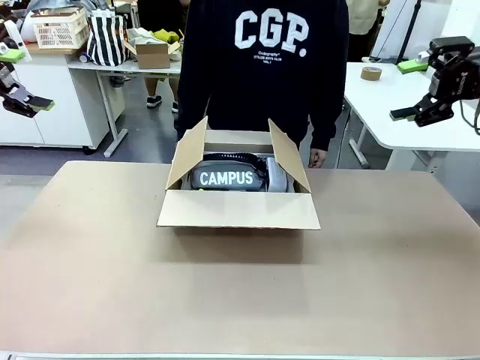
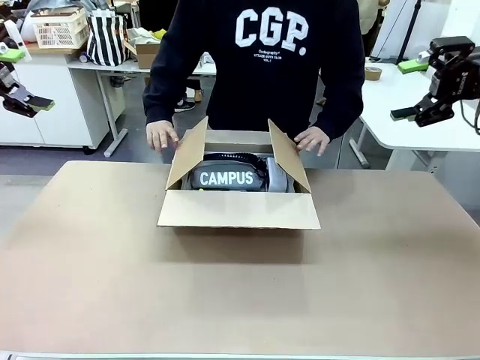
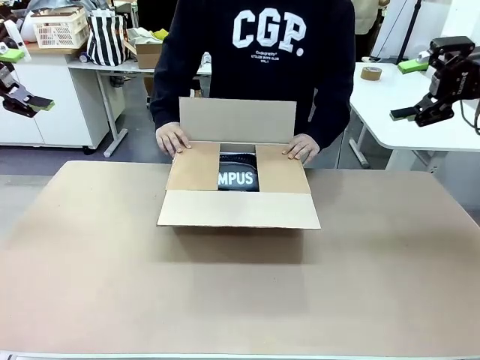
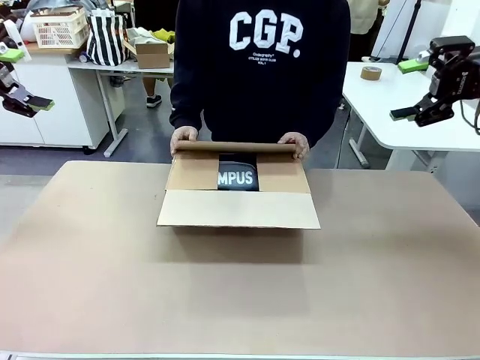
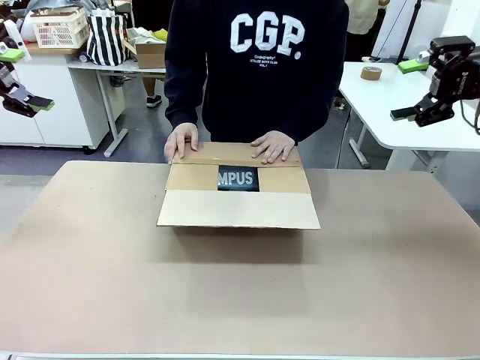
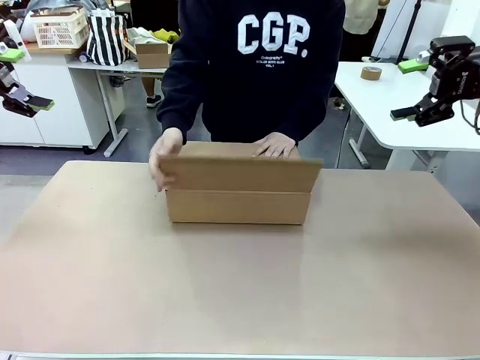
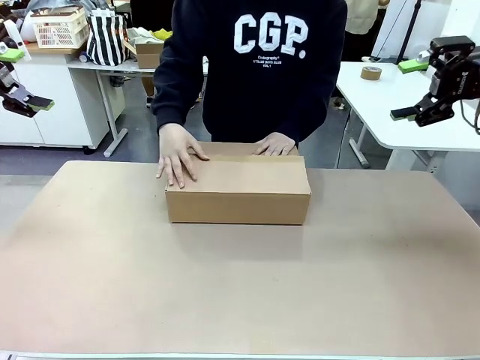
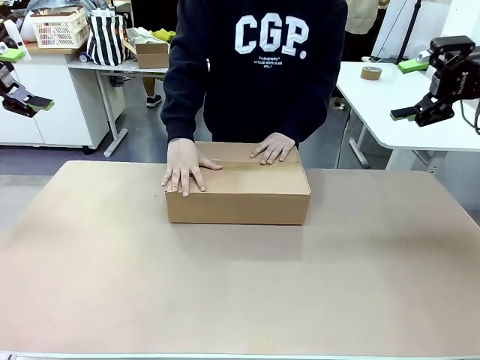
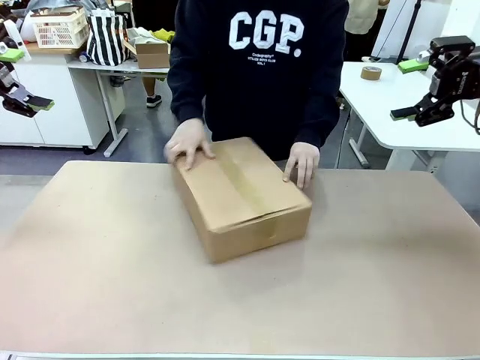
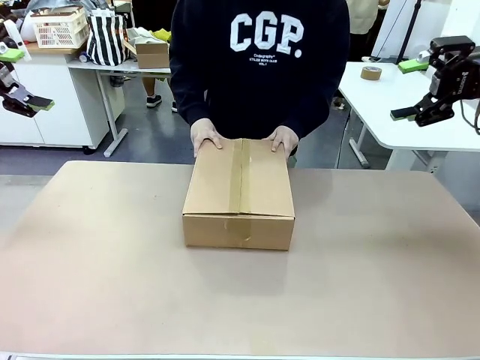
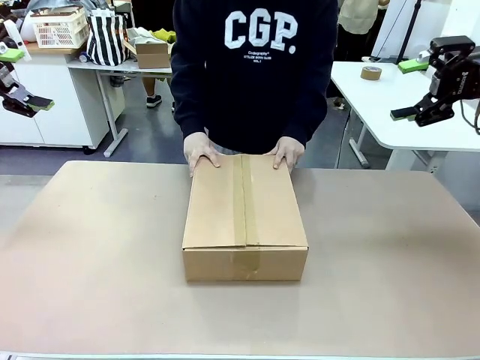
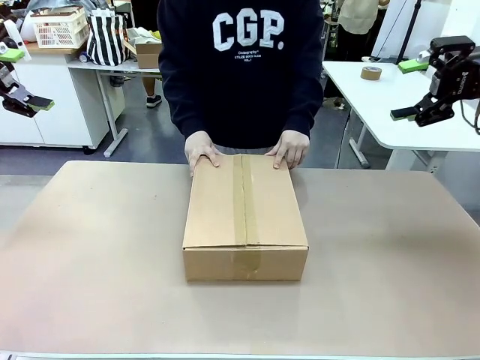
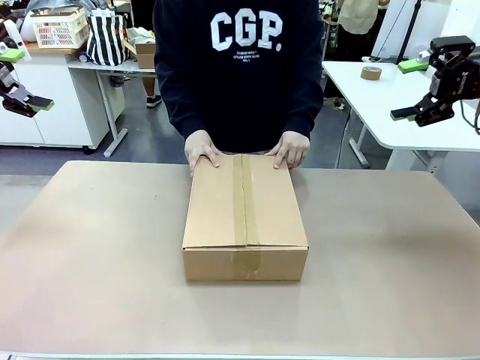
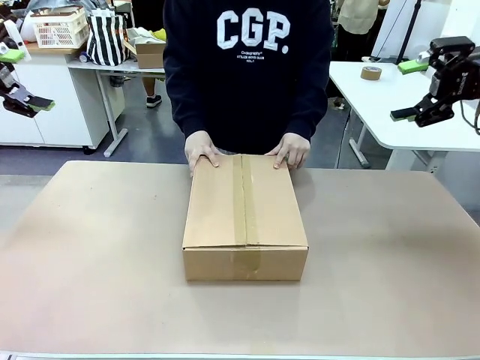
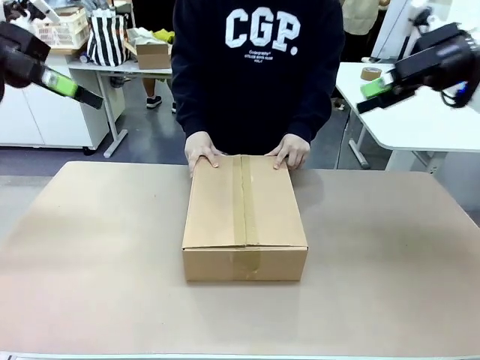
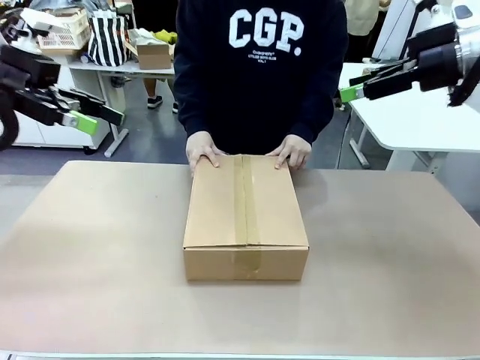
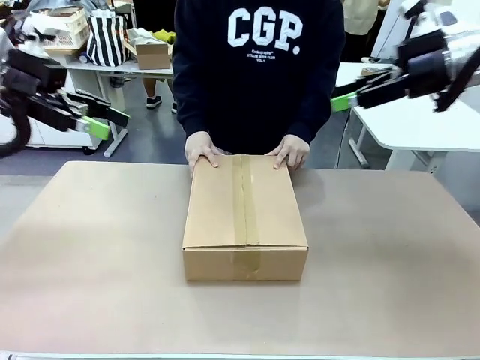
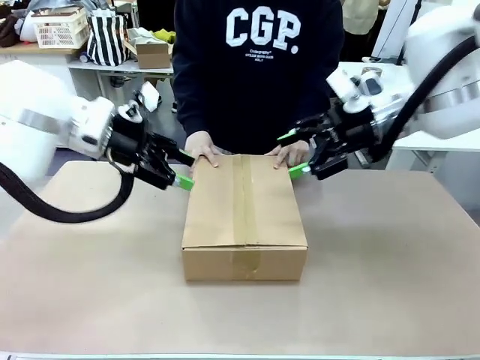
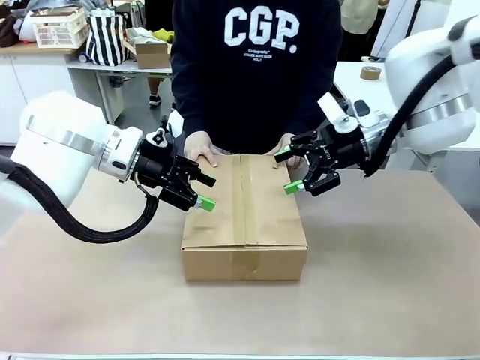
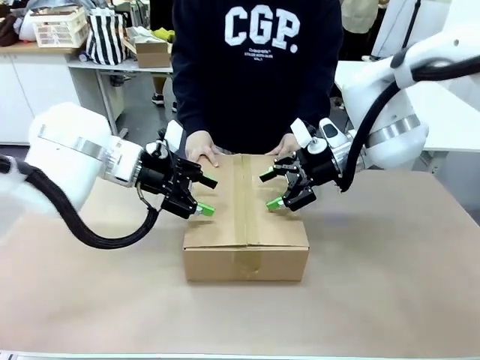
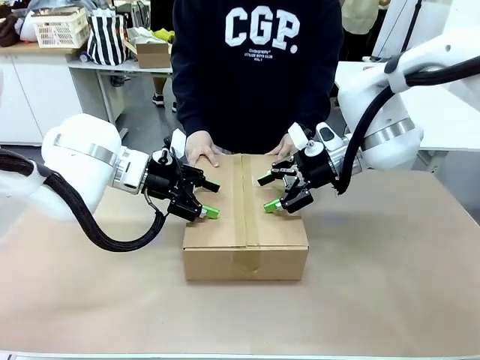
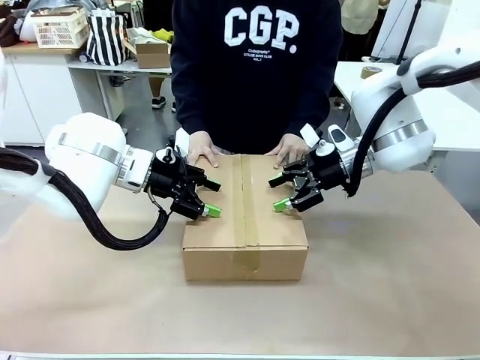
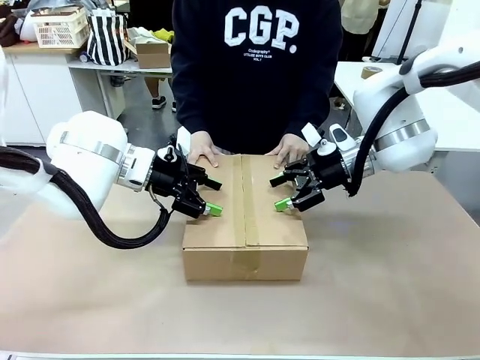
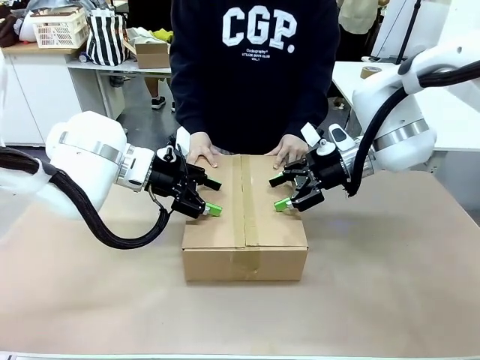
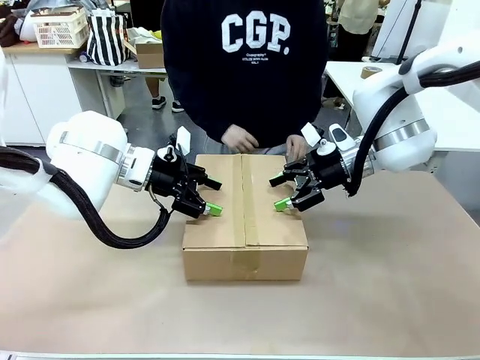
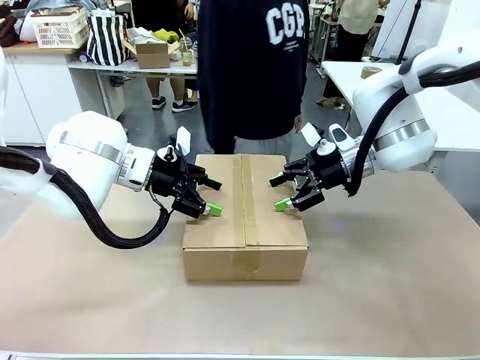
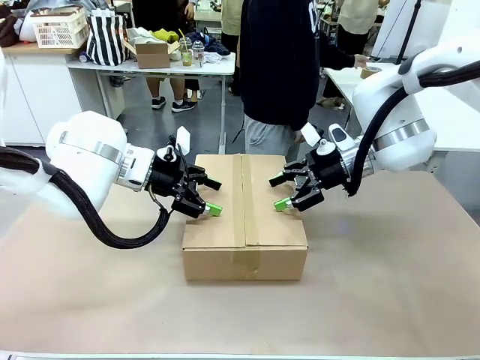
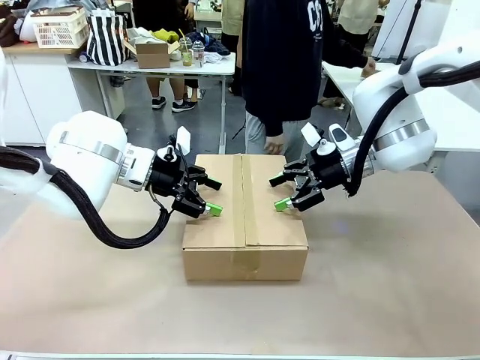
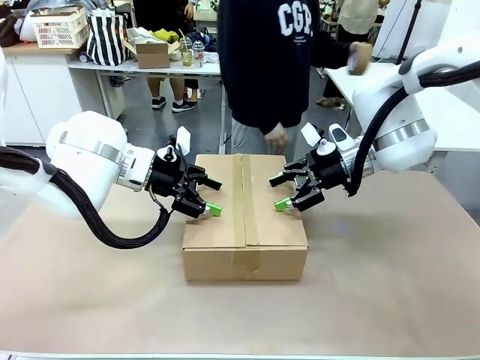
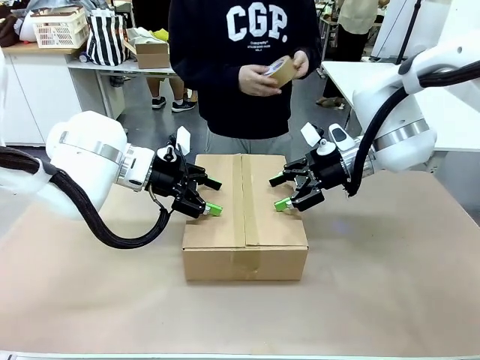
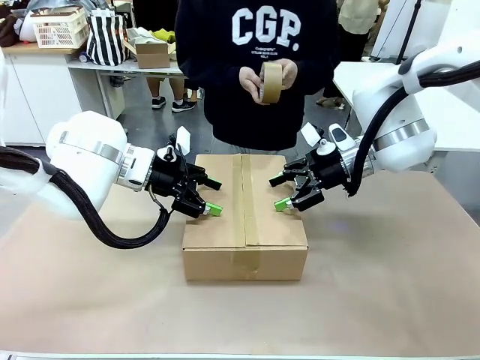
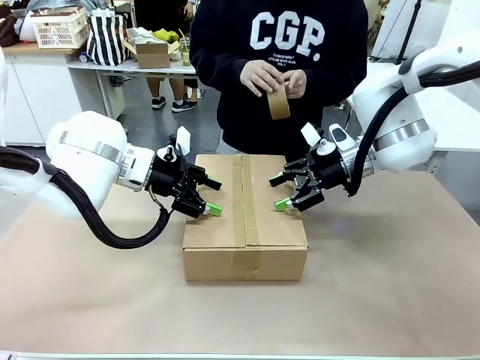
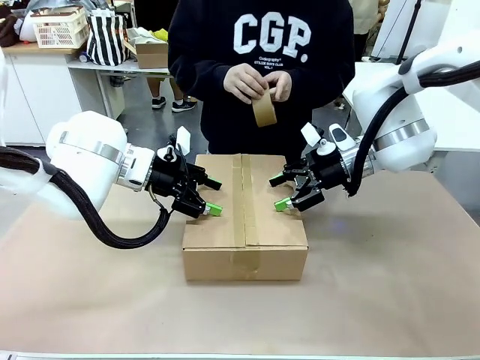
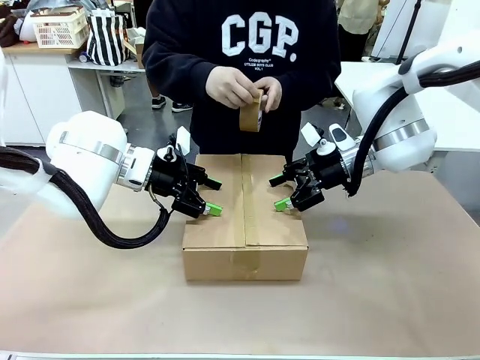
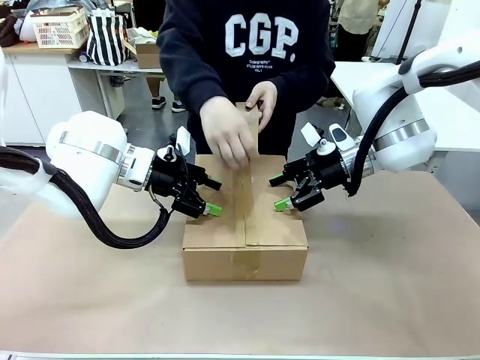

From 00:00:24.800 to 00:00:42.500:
Task: Pack the gift set into the box.
Robot: Press and hold the closed box until the human finishes sealing it.
Person: The human closes the box and rotates the box by 90 degrees.

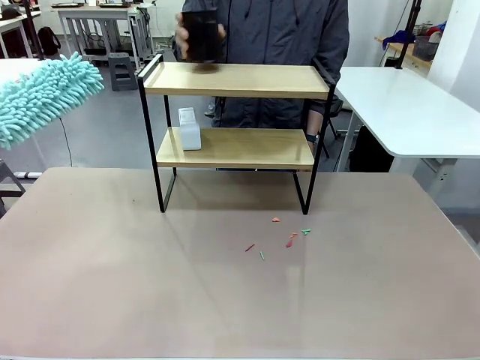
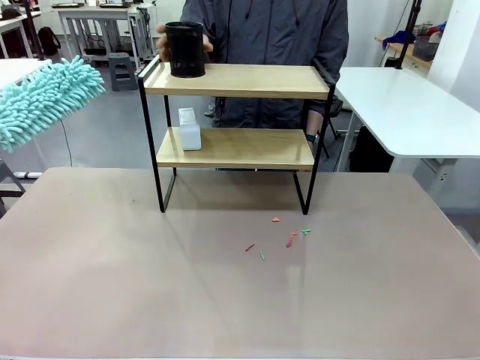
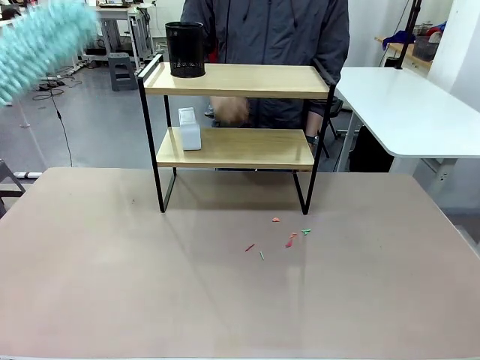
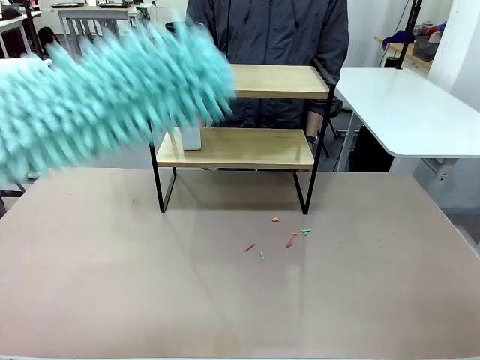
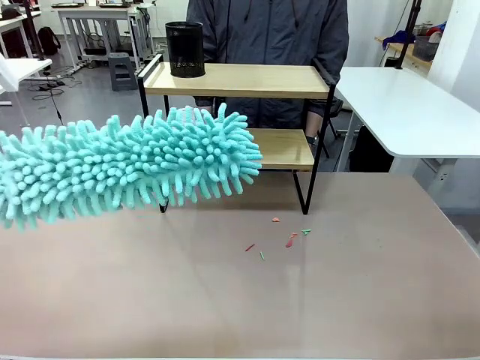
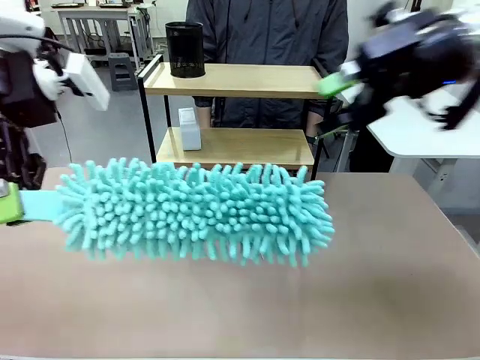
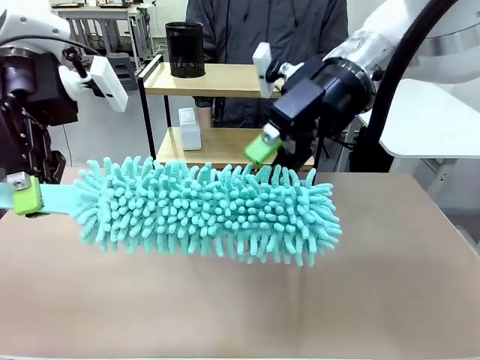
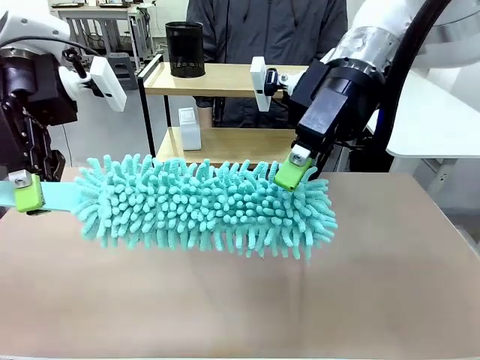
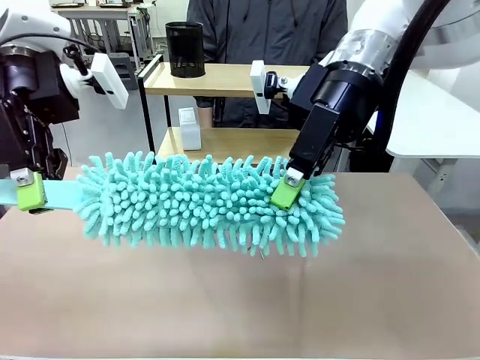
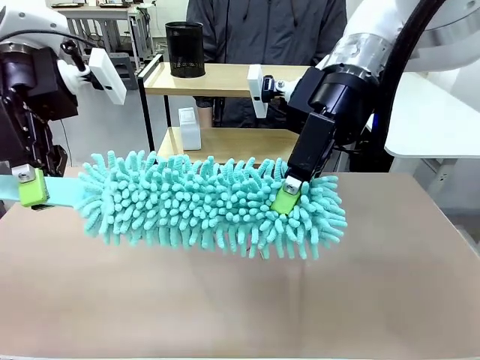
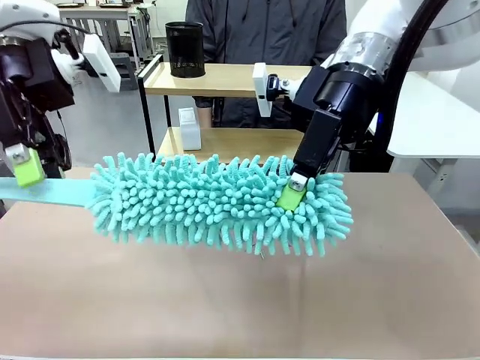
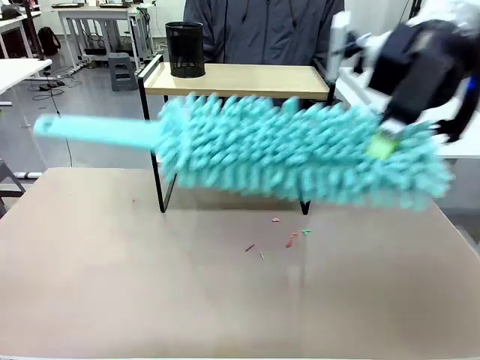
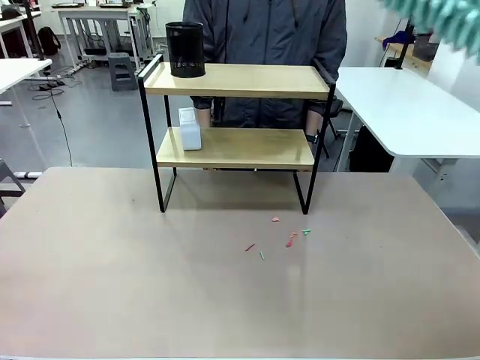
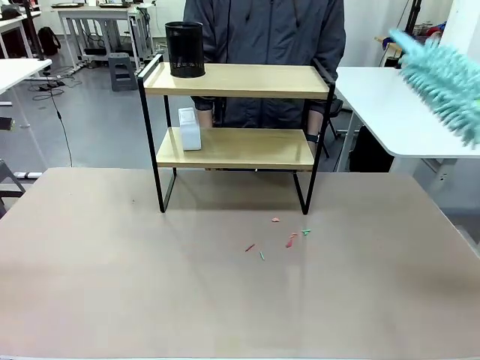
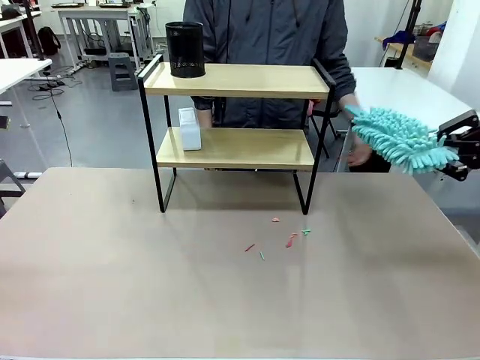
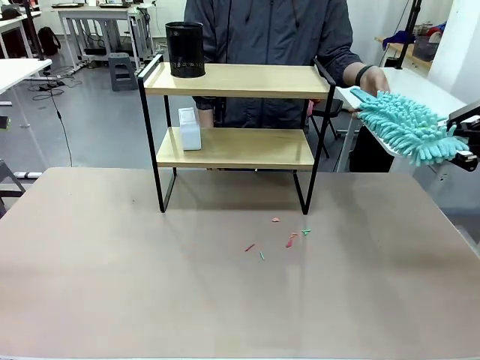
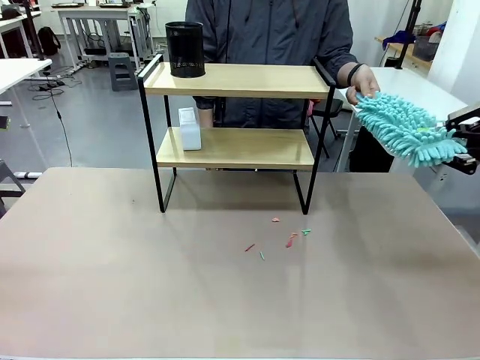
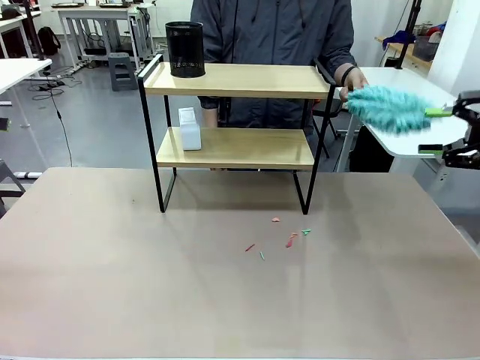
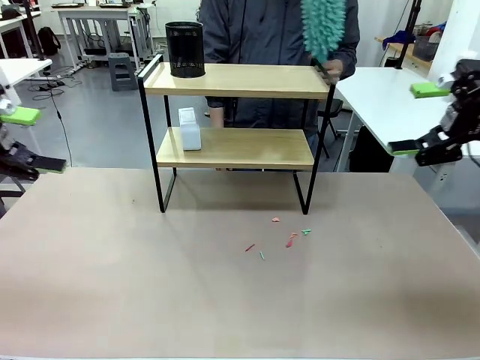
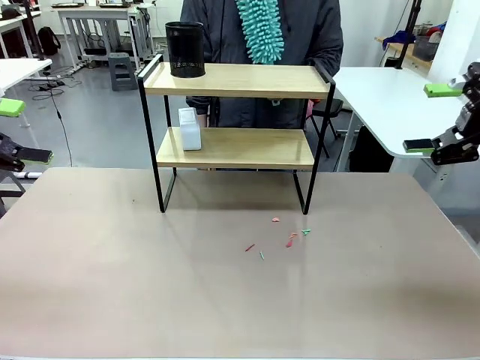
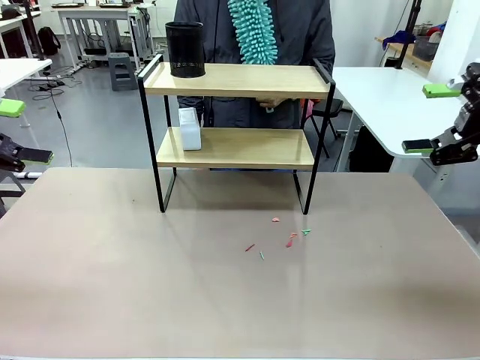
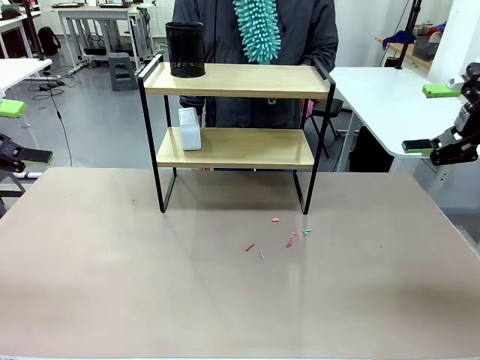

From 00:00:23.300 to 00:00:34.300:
Task: Clean the shelf.
Robot: Hand the Duster back to the human.
Person: Receive the Duster from the robot.
